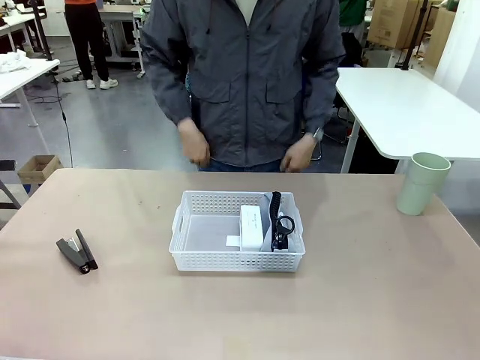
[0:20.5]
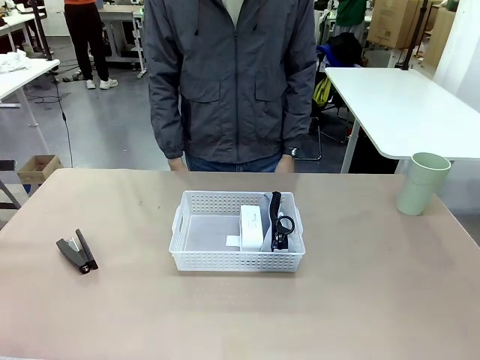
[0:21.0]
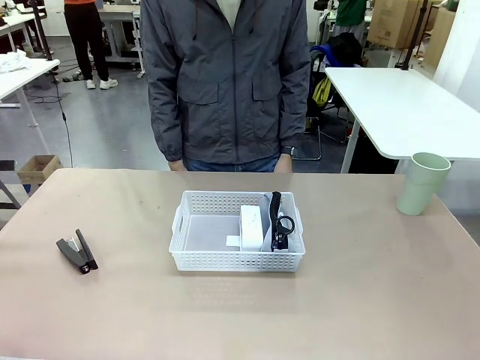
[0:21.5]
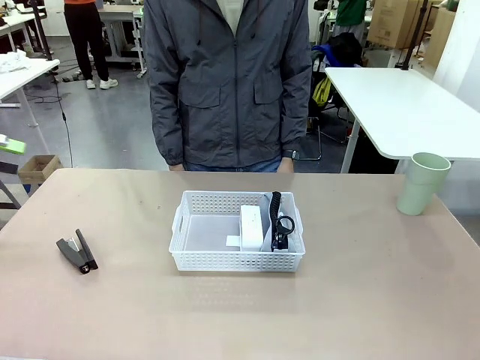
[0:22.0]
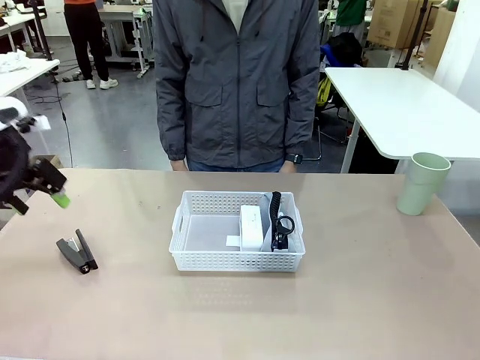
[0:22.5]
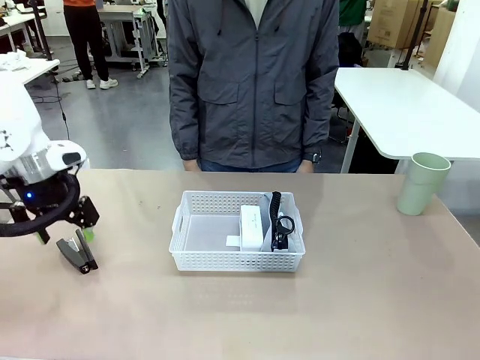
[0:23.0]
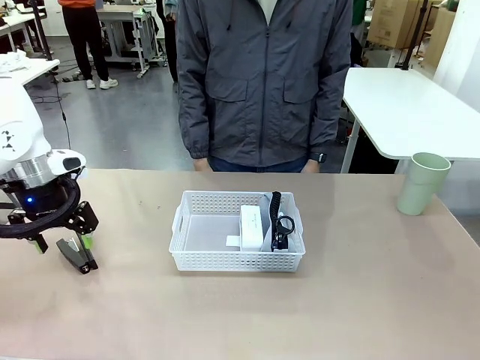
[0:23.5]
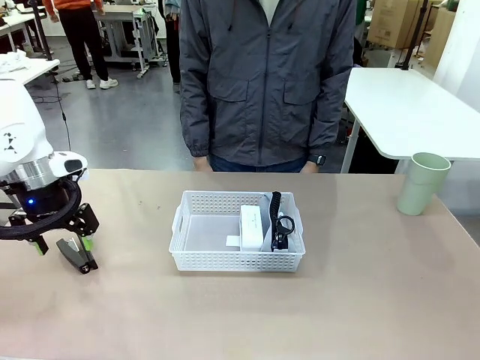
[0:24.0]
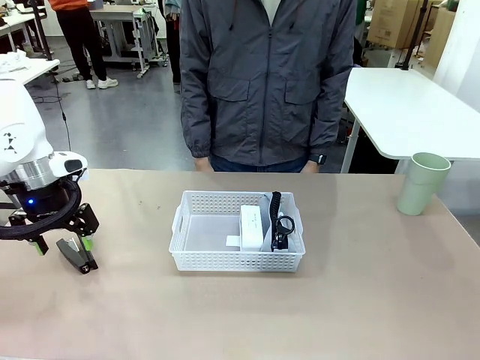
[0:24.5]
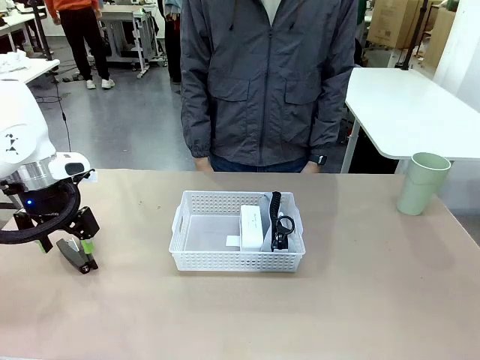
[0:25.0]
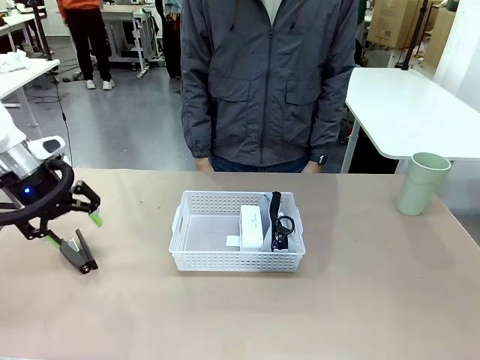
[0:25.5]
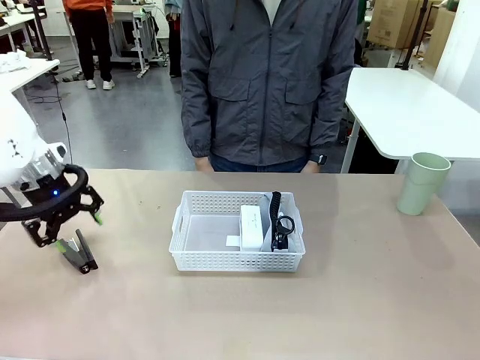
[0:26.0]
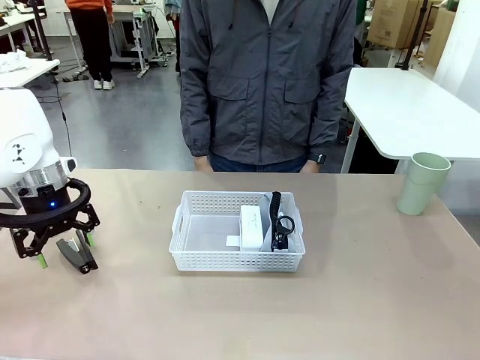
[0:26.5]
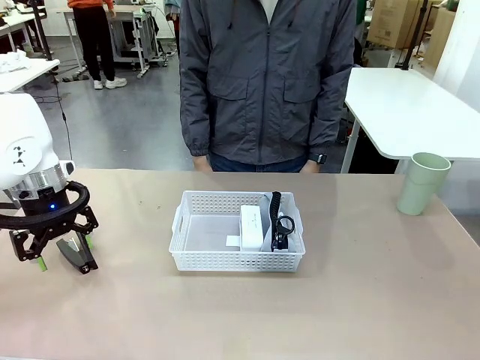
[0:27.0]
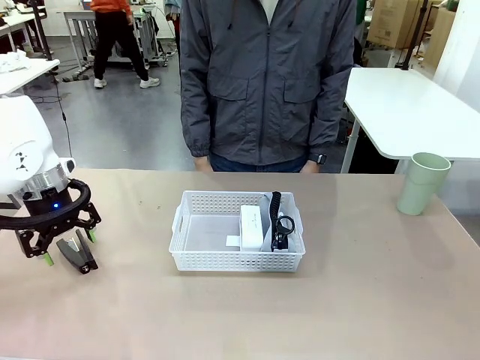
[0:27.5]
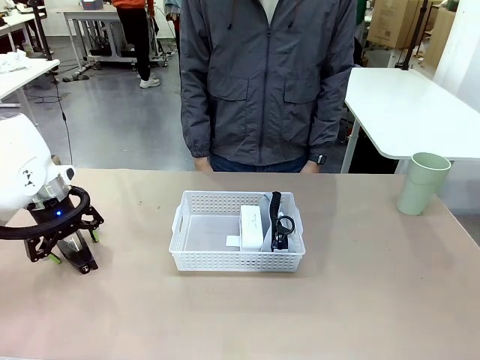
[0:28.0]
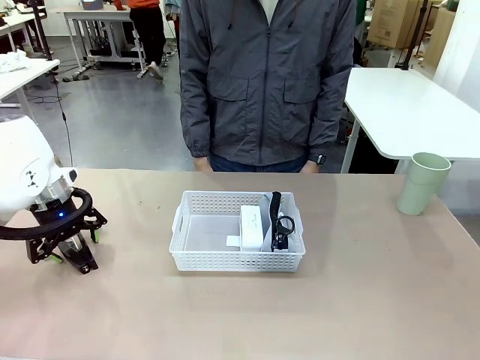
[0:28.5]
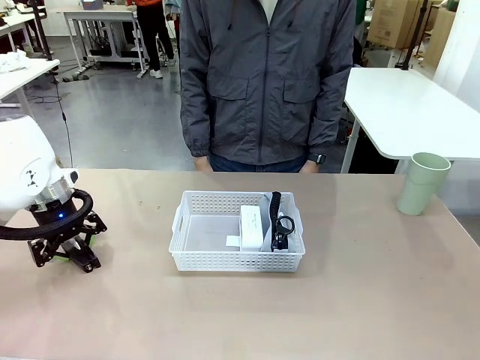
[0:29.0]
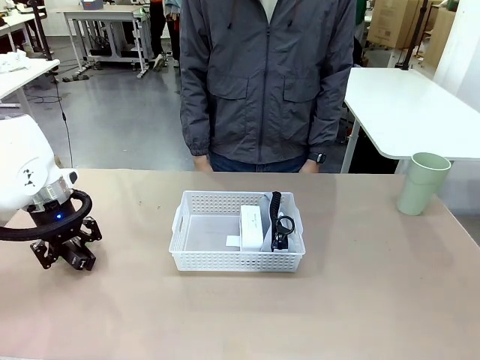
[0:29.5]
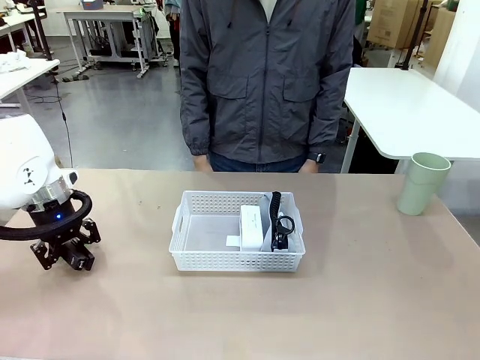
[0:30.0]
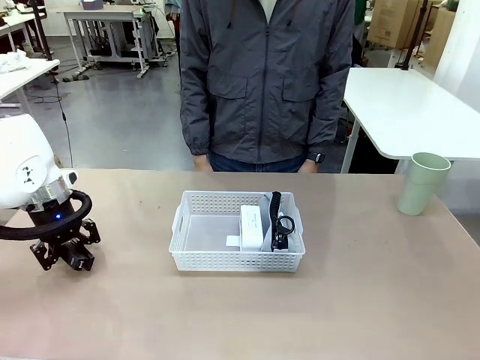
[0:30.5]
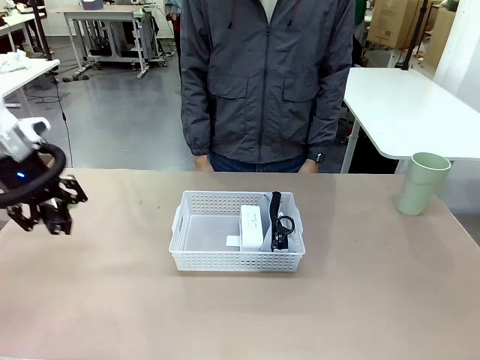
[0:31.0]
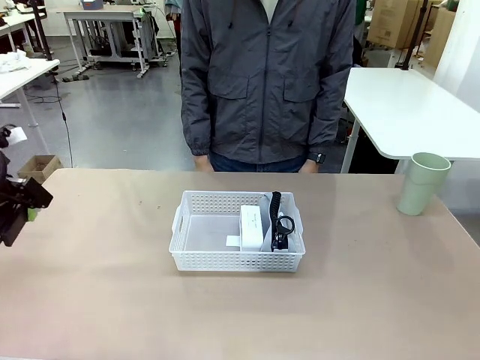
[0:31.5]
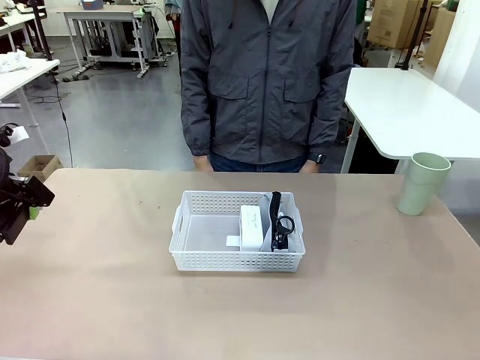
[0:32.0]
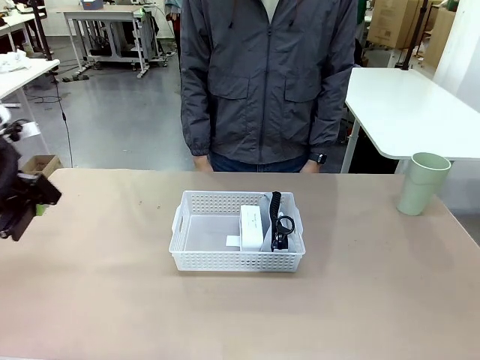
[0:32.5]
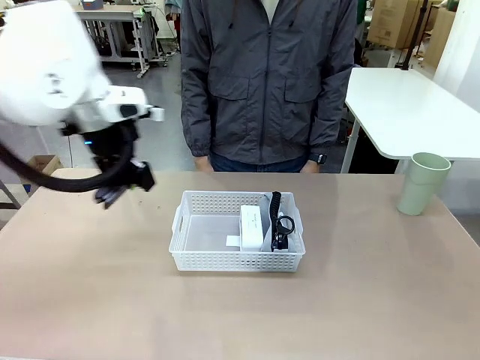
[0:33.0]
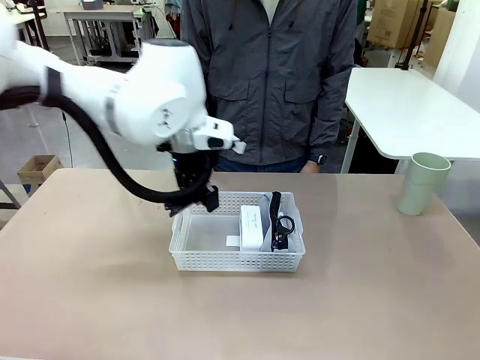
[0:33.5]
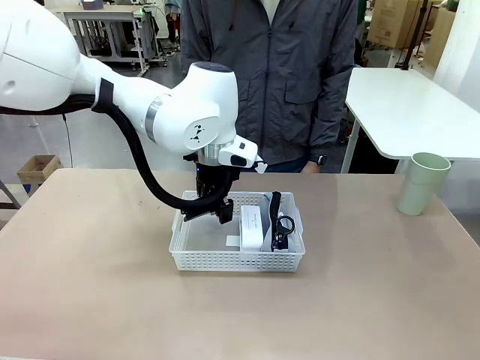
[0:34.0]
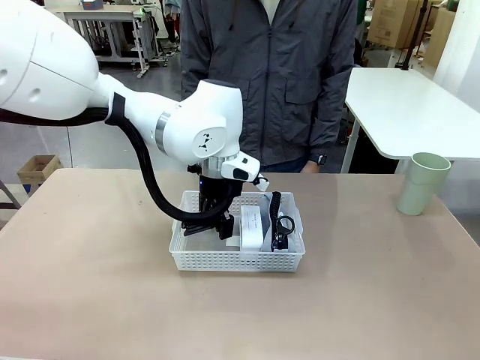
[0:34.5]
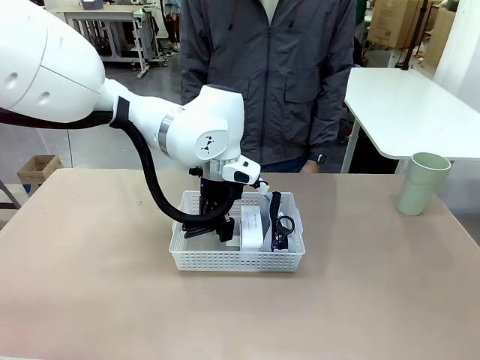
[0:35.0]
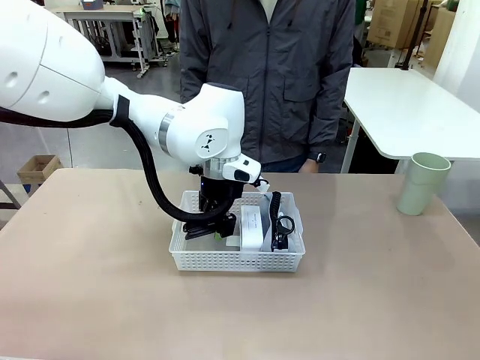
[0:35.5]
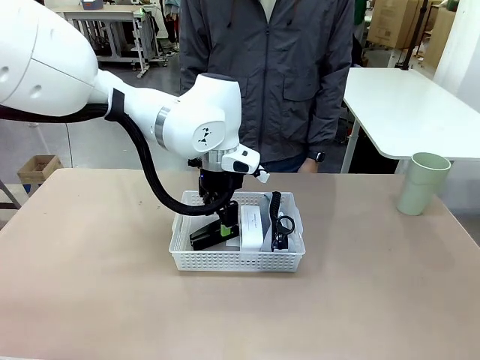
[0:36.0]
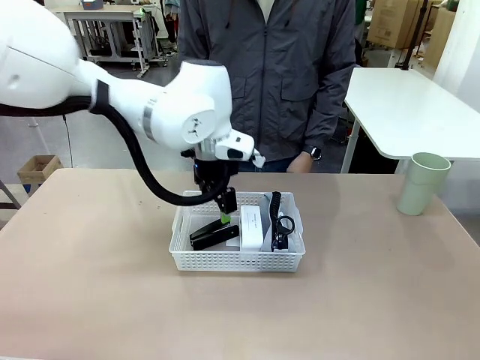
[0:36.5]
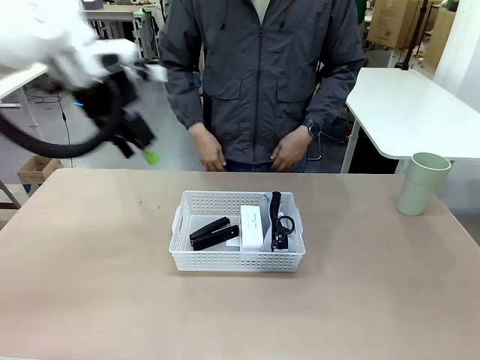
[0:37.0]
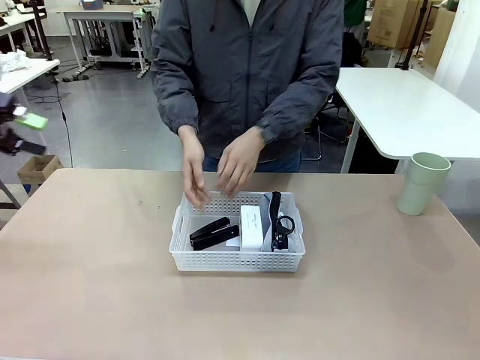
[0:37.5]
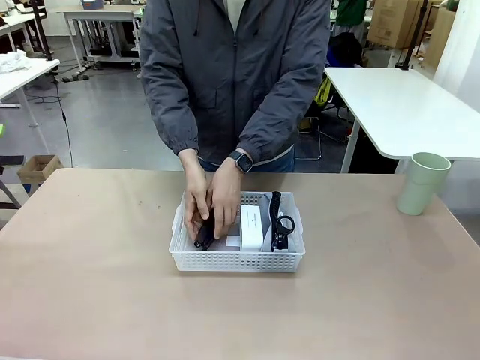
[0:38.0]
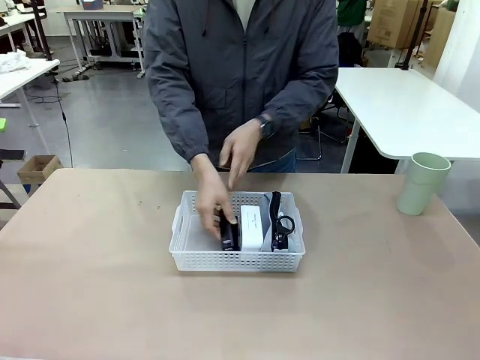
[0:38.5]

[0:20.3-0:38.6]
Task: Efficiently arrange items inside the basket to fit them all.
Robot: Pick up the Stapler and place it inside the Organizing basket.

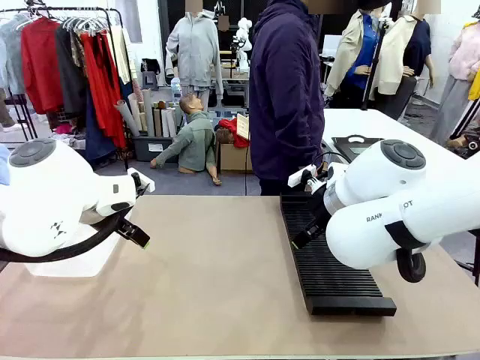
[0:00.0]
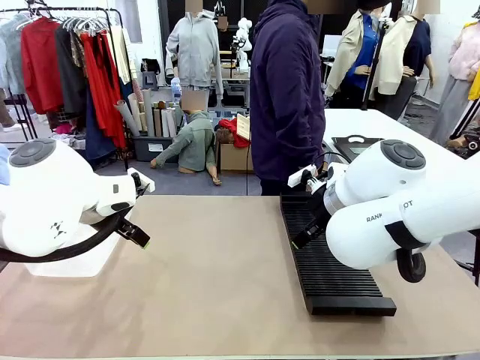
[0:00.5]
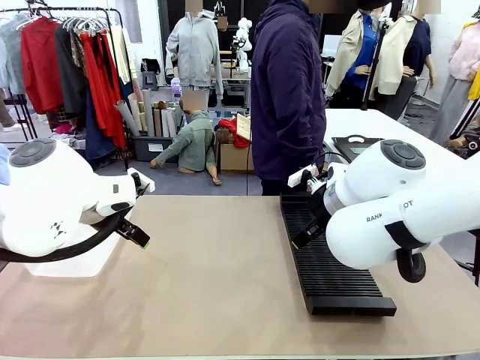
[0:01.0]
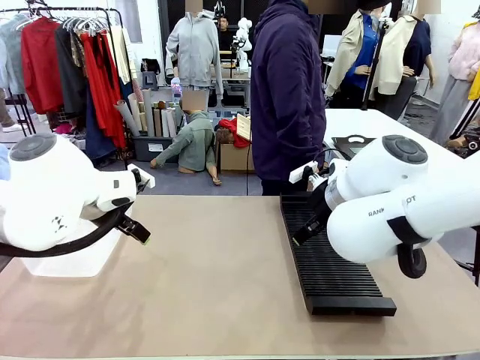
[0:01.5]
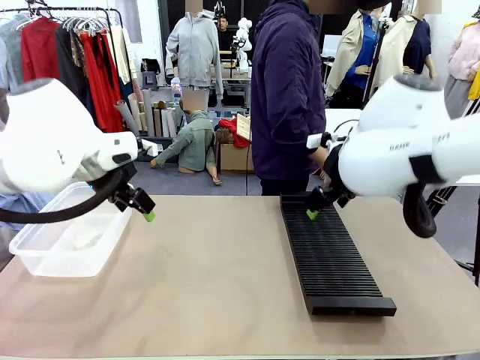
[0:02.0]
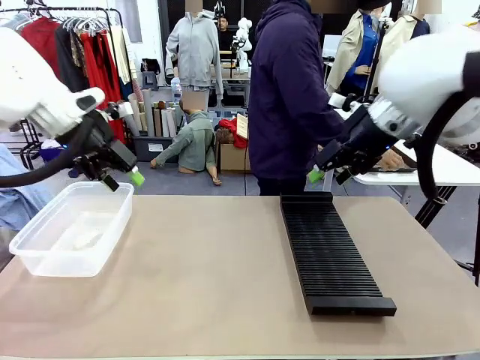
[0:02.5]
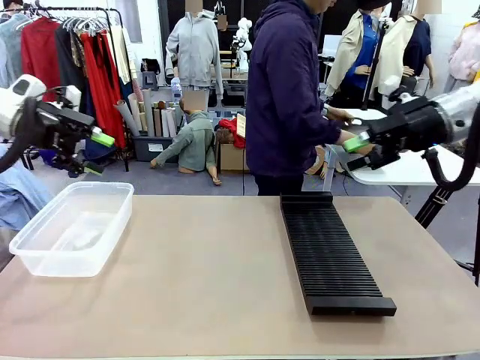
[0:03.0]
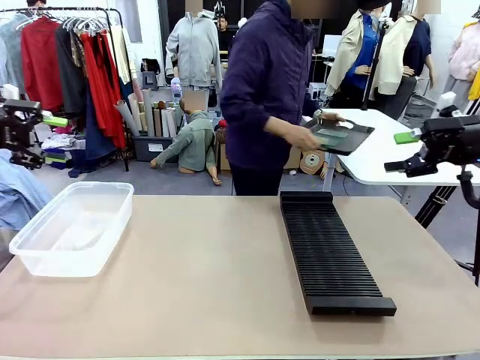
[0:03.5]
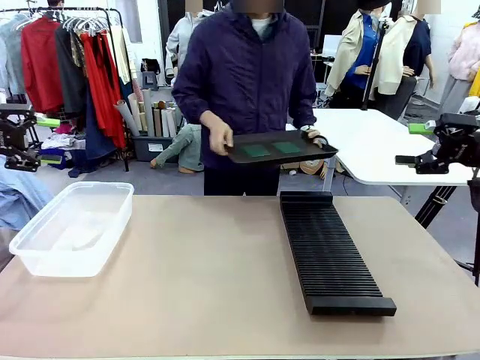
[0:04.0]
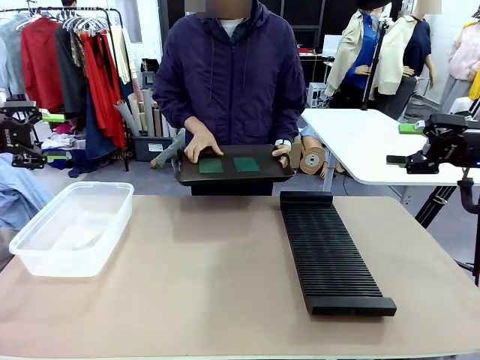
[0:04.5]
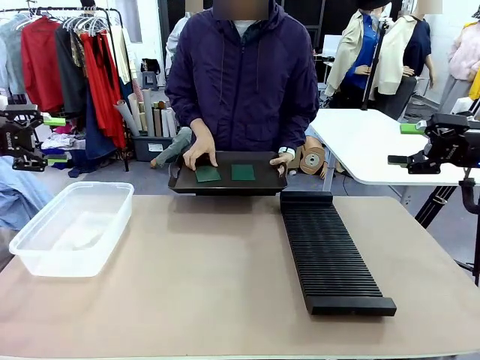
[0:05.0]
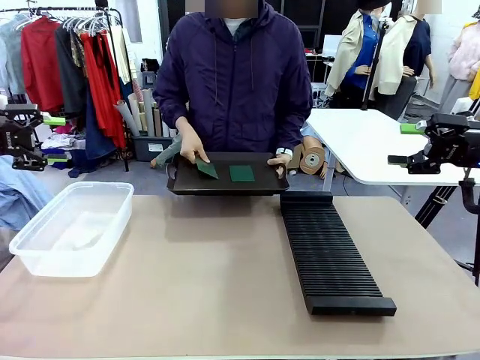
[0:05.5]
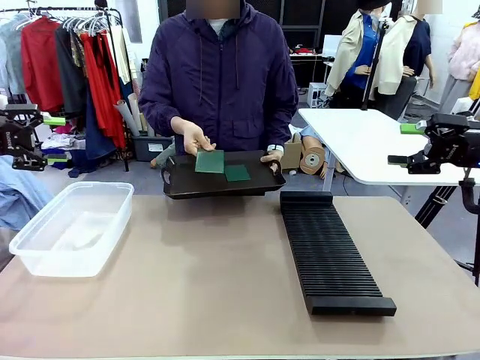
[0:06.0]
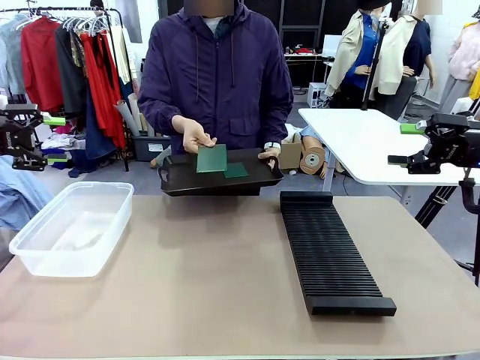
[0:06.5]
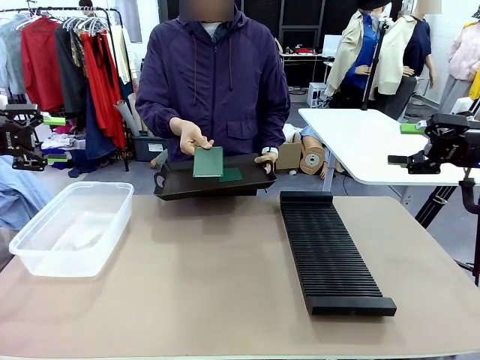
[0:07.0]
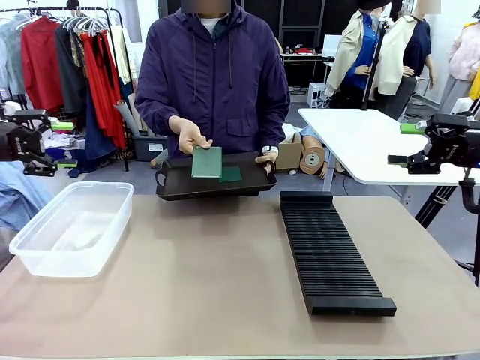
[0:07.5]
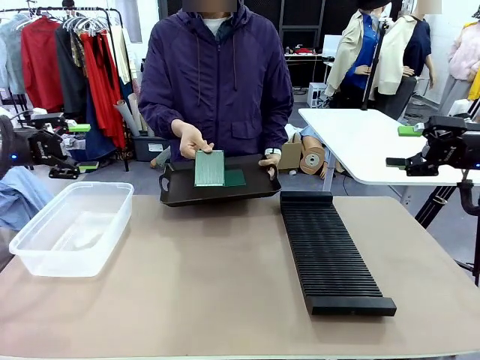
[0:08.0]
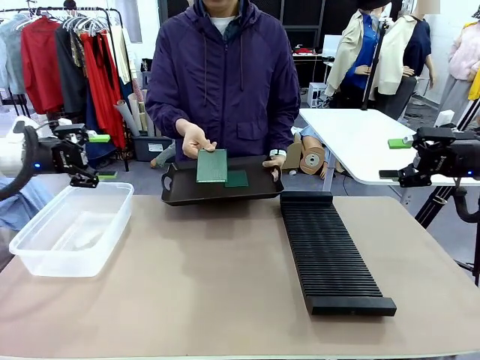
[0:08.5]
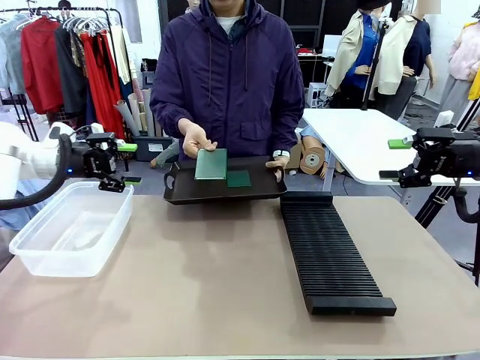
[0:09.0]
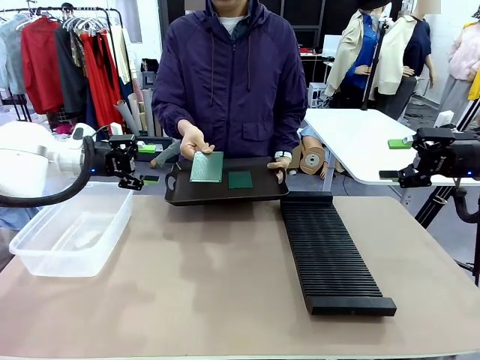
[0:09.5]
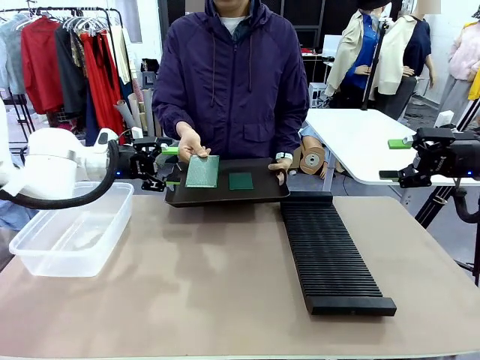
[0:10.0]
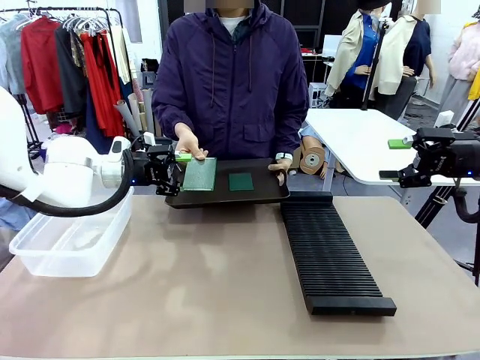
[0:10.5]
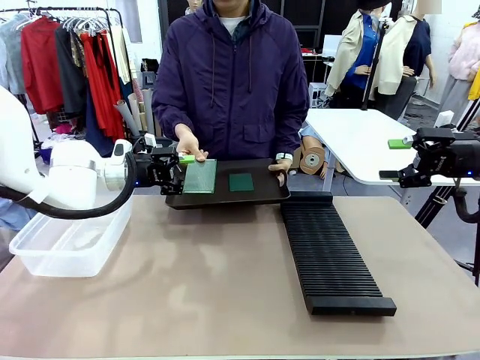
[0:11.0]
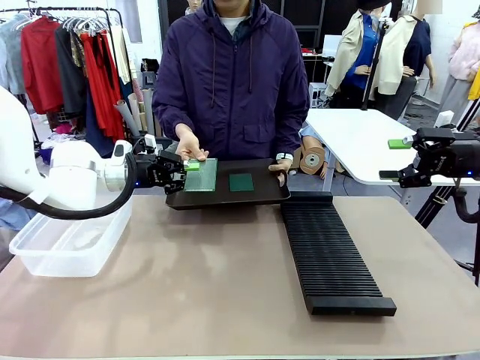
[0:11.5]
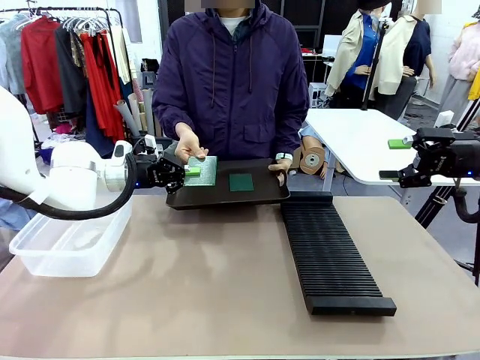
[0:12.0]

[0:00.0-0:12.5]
Task: Sort PCBs into racks and boxes based on the side picked up.
Robot: Pick up the Blank PCB handed by the Human.
Person: Pick one PCB from the tray and present it to the robot. Release the PCB being held.
